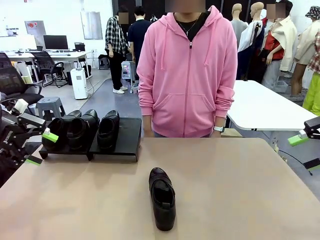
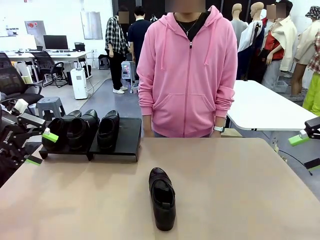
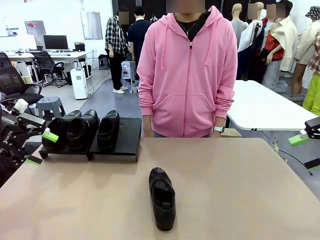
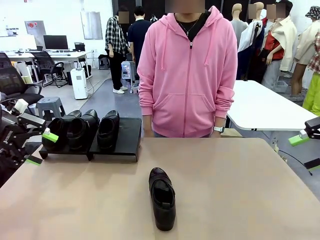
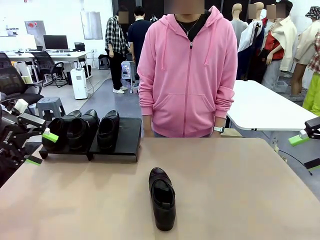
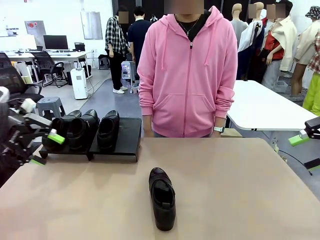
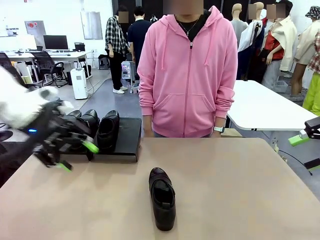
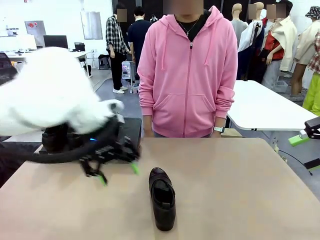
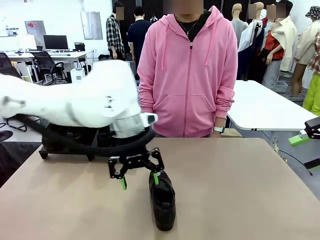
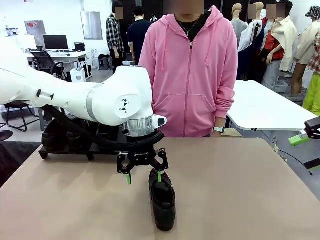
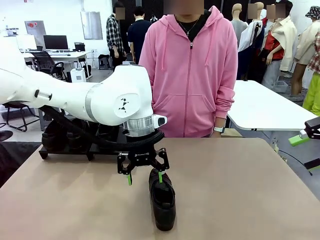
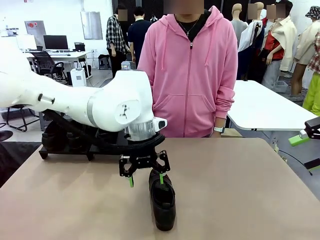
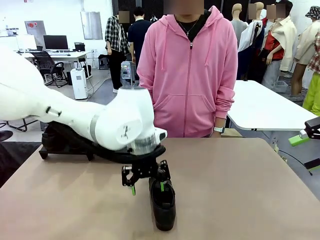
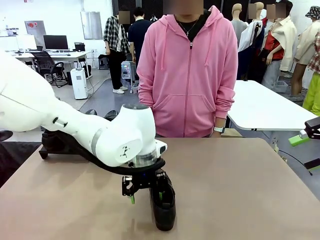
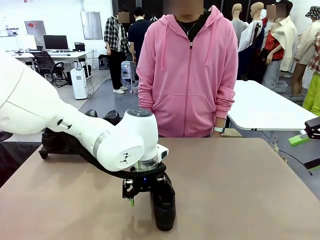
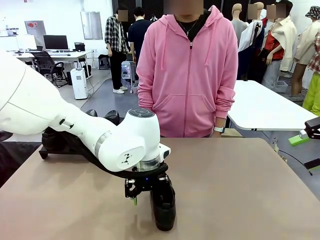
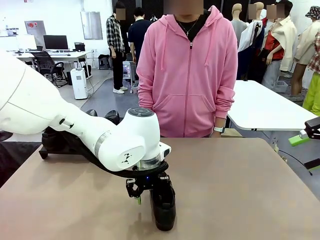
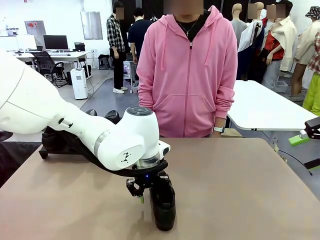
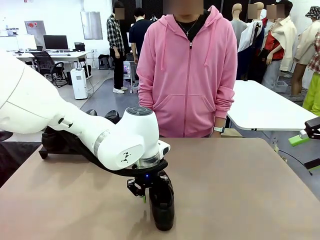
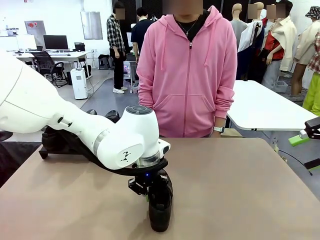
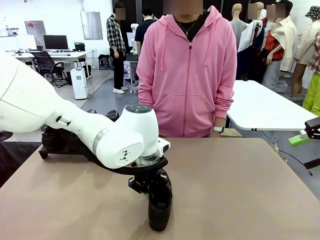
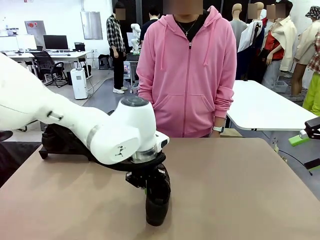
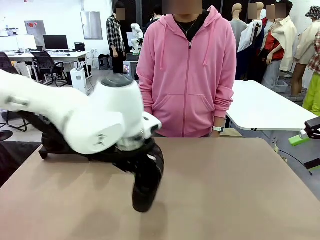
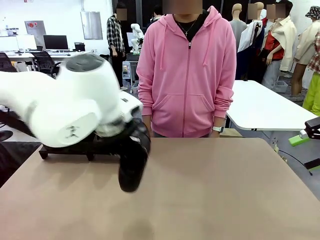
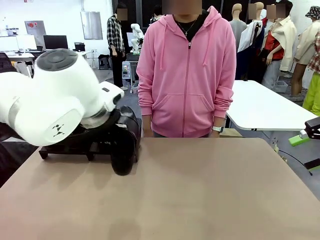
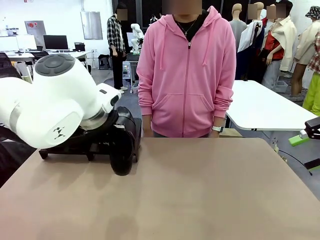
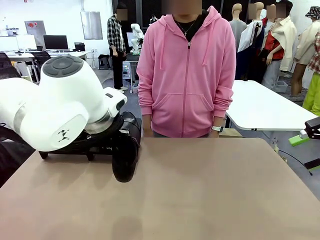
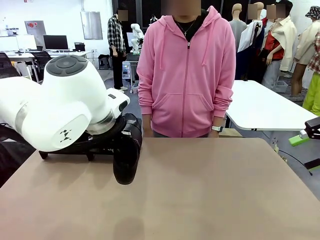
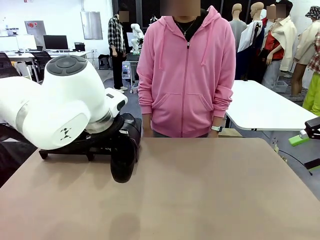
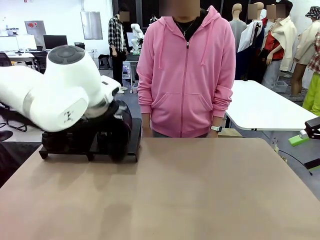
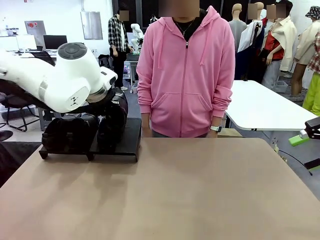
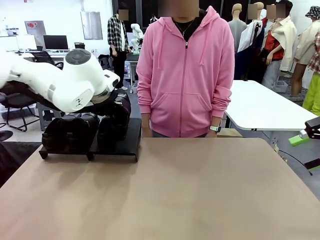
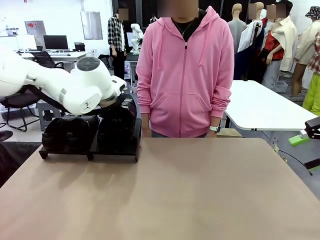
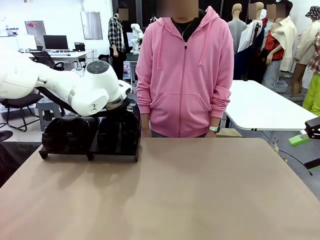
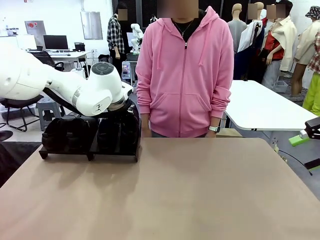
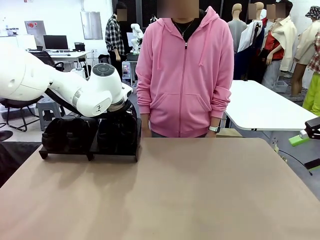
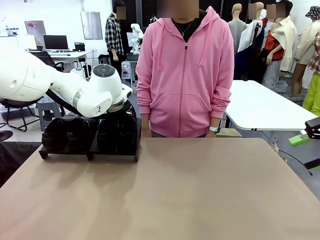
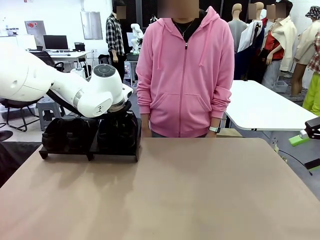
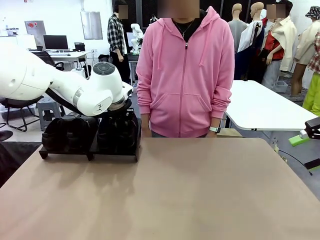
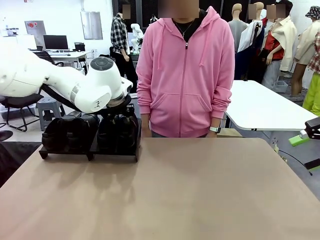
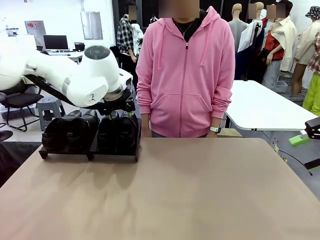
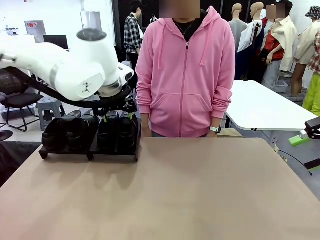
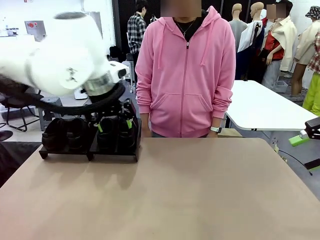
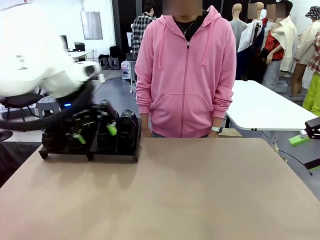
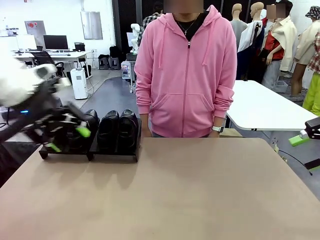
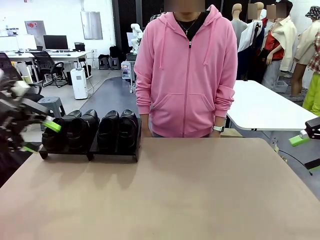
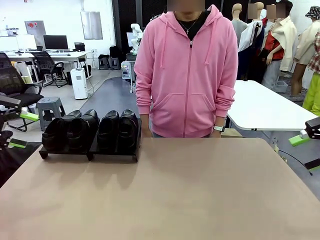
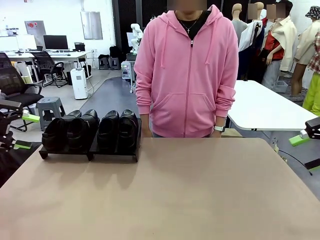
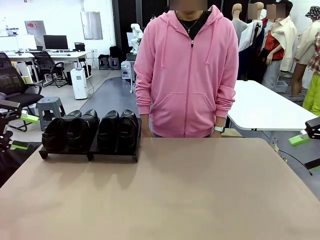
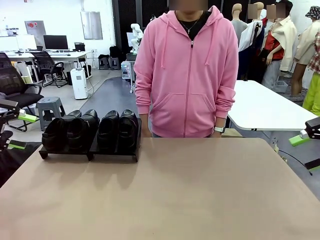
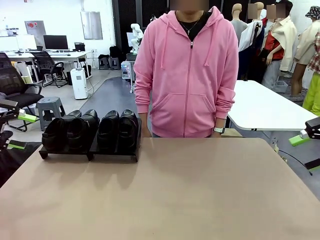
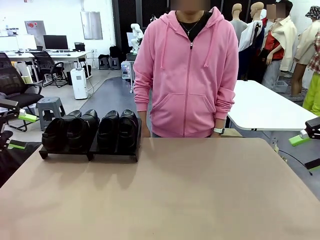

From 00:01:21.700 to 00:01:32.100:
Task: Organize the shoes by placing them on the stand.
Robot: Place the Shoe from the middle of the table onto the Shoes Stand.

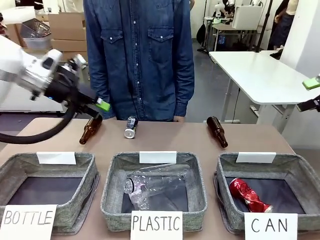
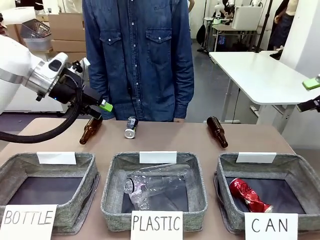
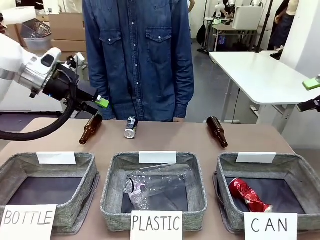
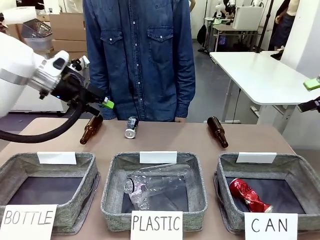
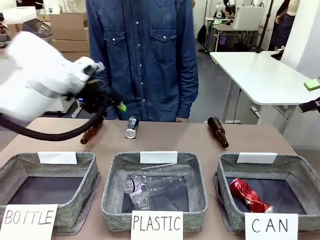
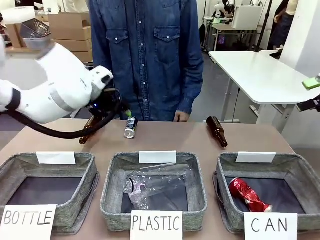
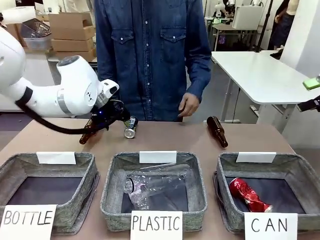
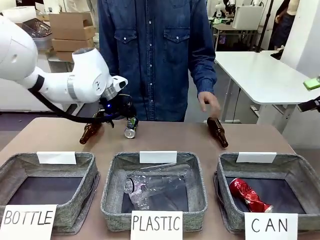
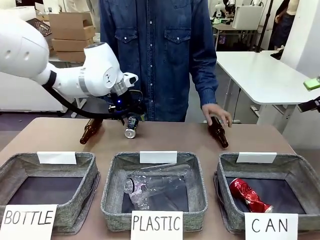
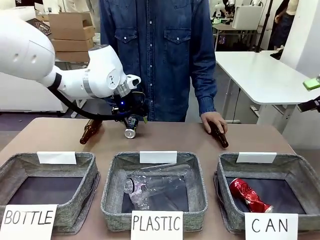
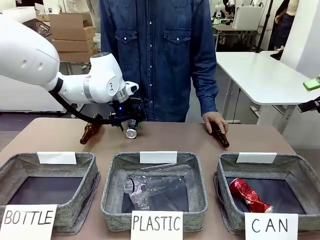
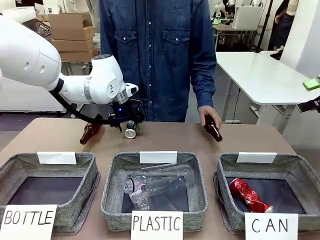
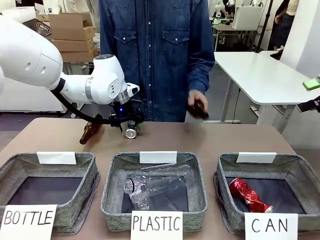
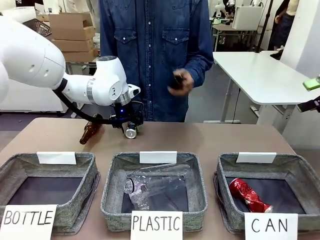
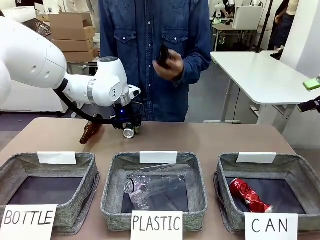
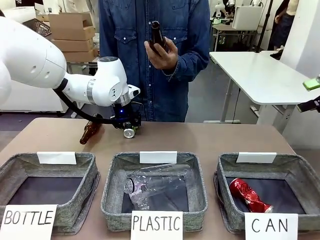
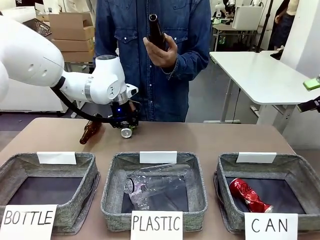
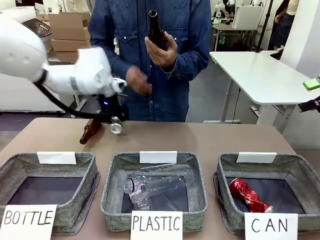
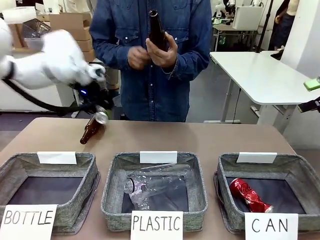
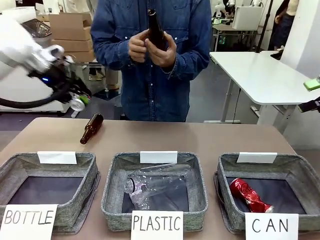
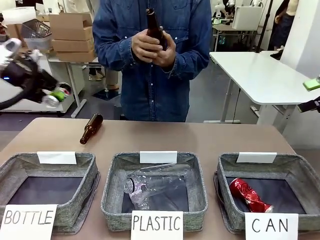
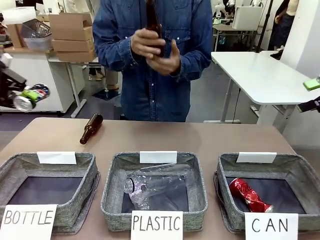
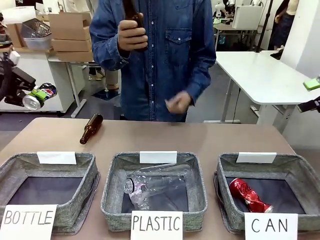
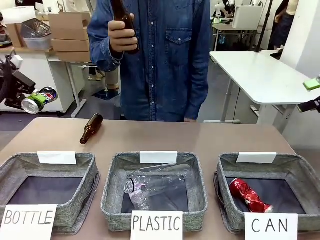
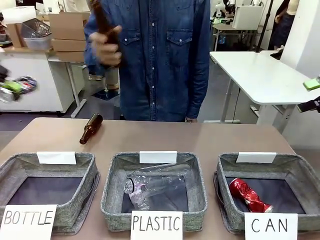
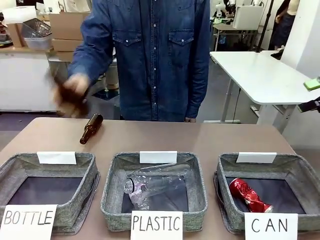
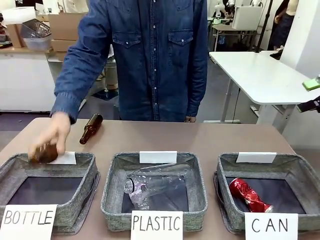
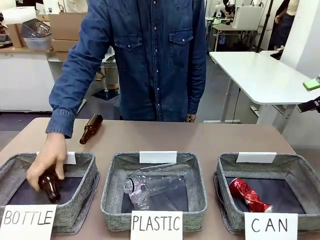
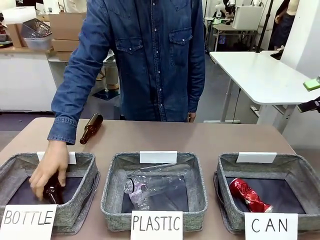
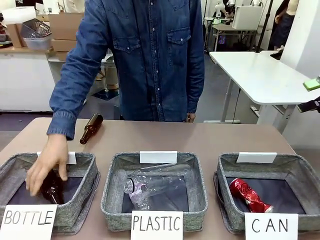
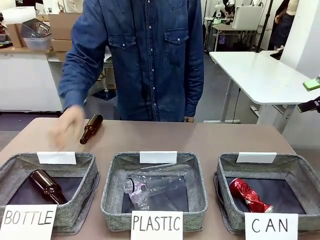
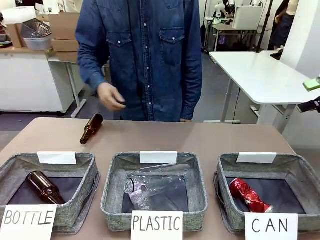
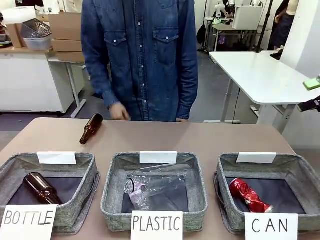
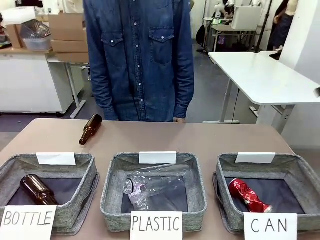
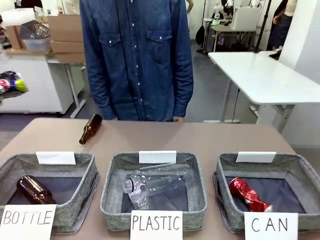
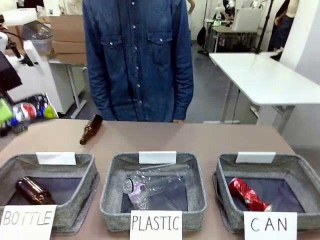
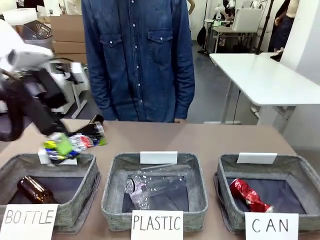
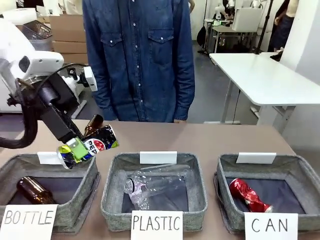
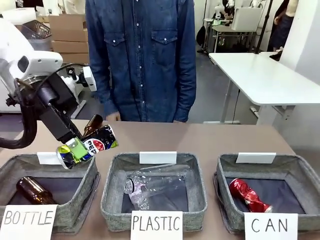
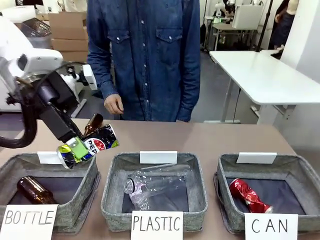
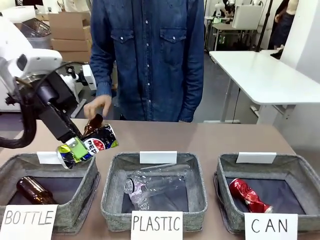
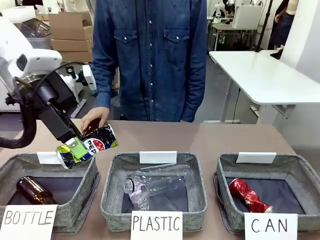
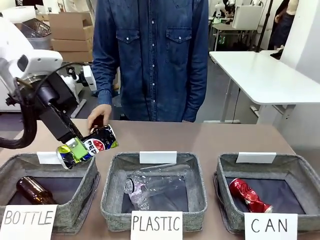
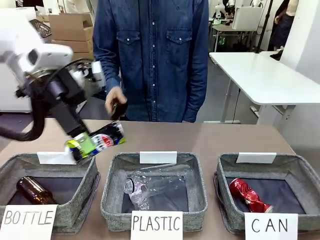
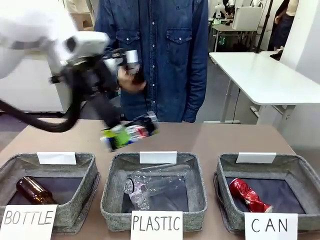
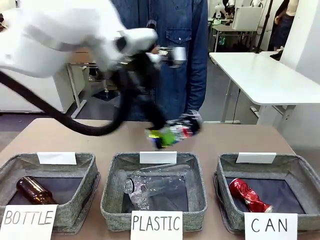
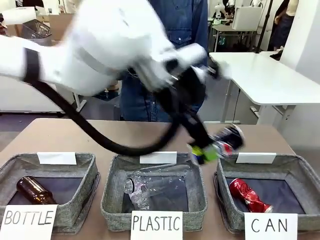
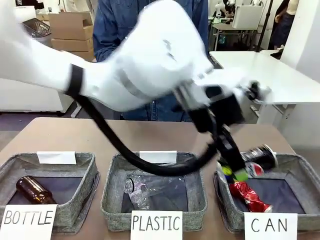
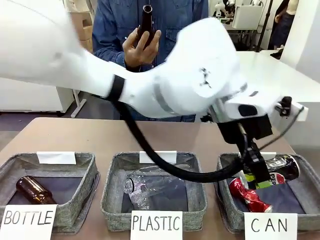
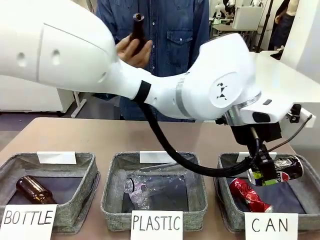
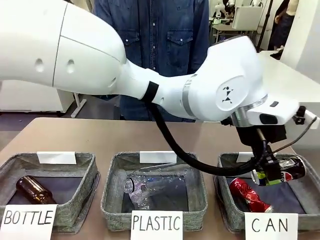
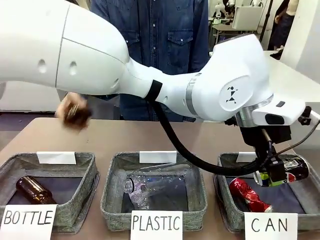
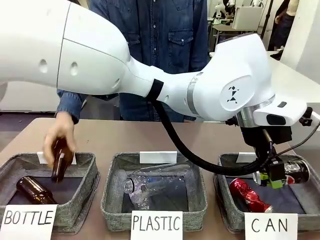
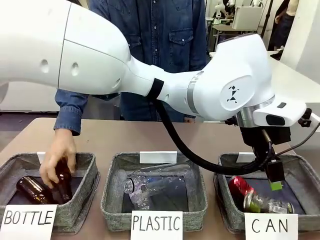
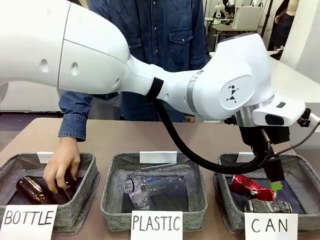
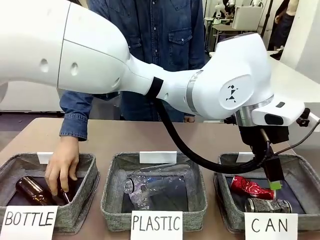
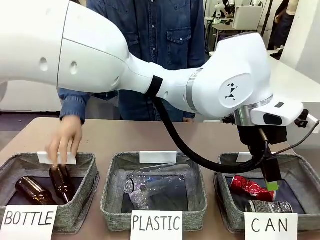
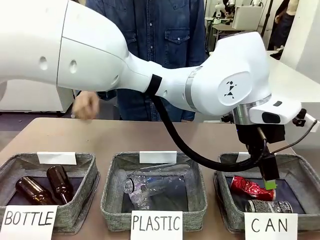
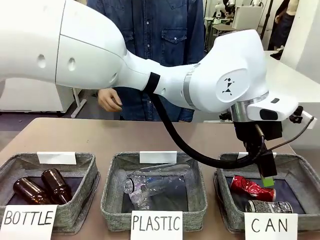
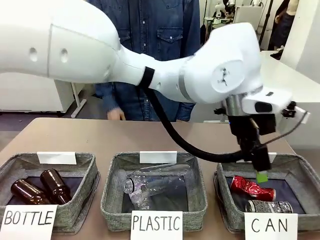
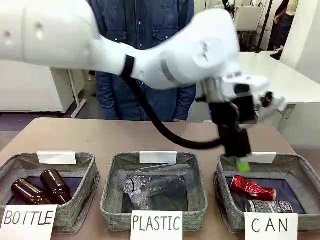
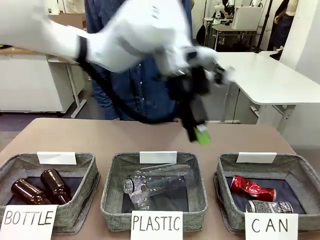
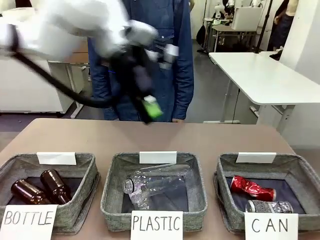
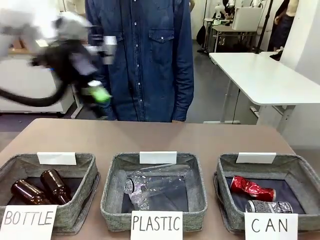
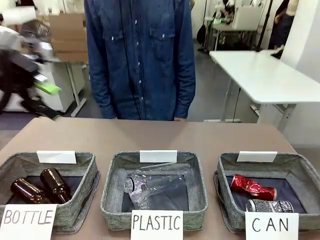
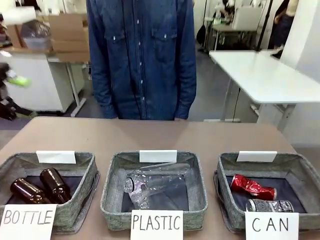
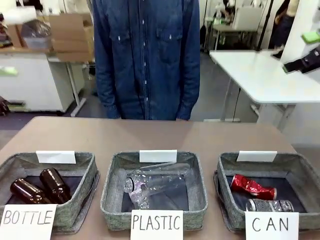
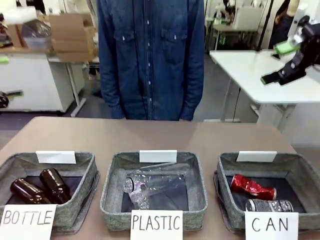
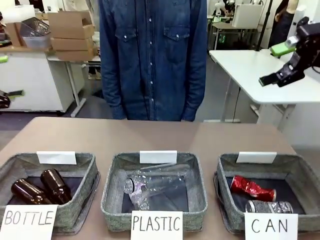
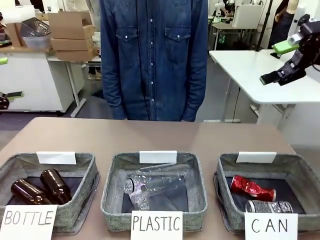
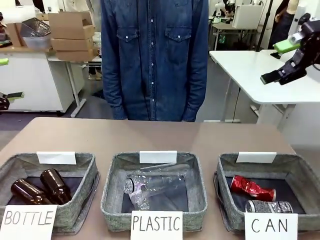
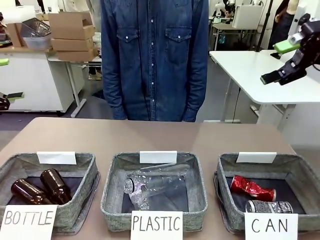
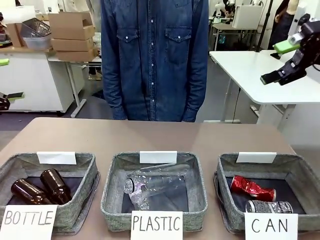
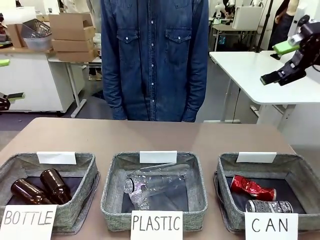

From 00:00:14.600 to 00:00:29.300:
Task: Sort the can waste into the basket.
Robot: Pick up the can waste from the table and place it in the right Fabric basket.
Person: The human picks up one piece of trash that is not a can and places the trash into the appropriate organizing basket.
